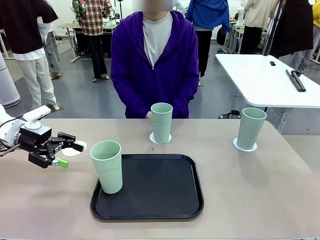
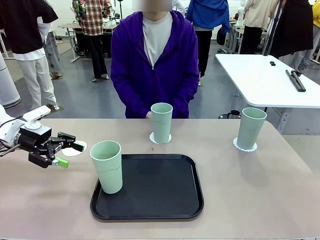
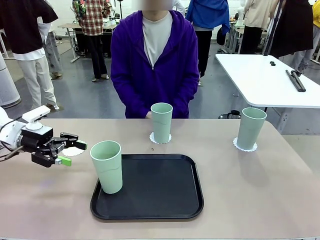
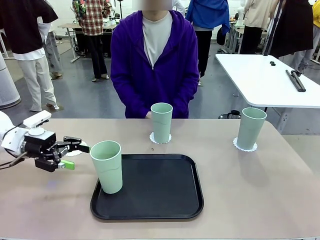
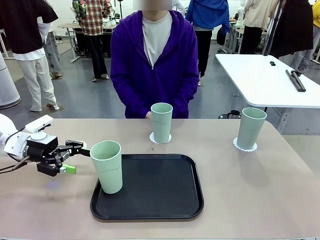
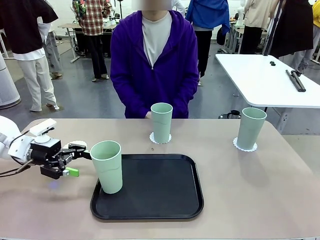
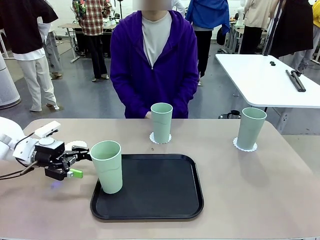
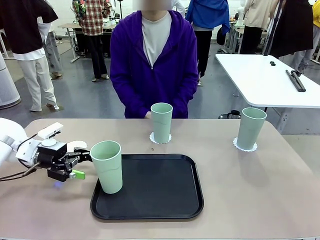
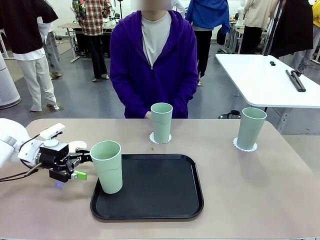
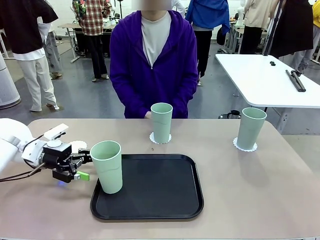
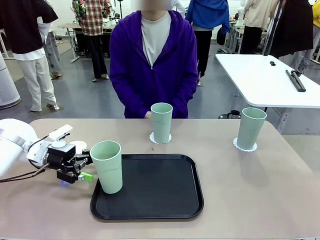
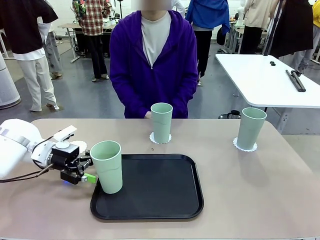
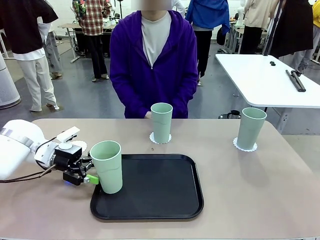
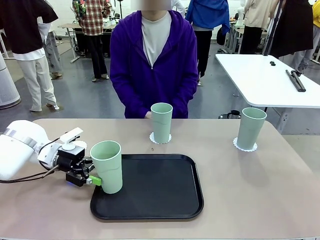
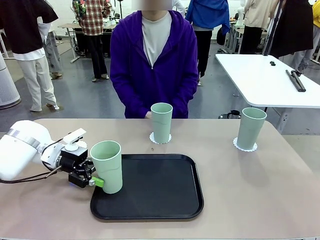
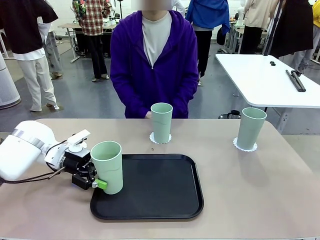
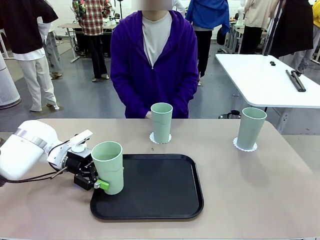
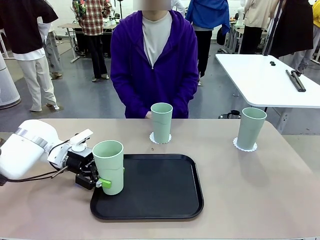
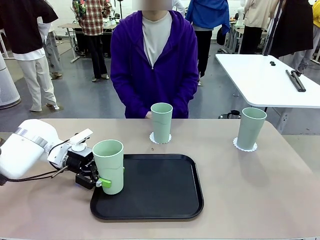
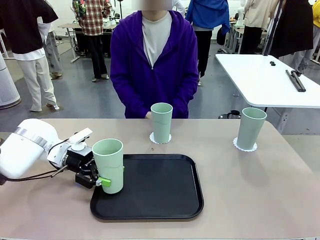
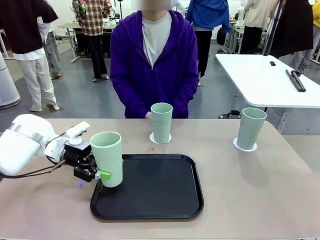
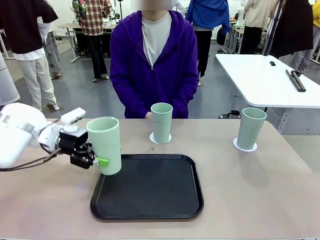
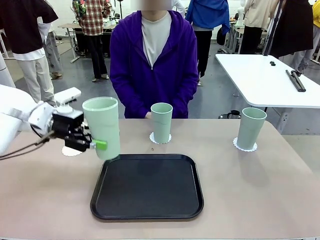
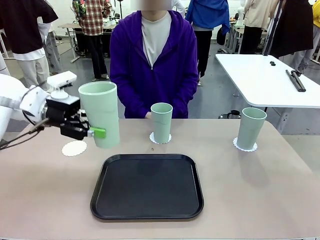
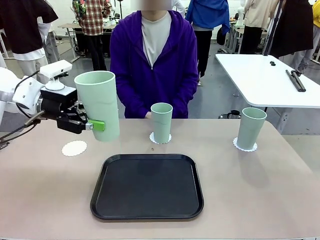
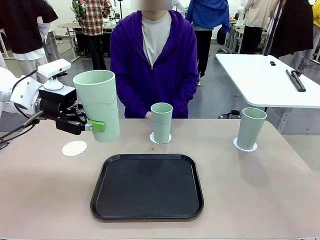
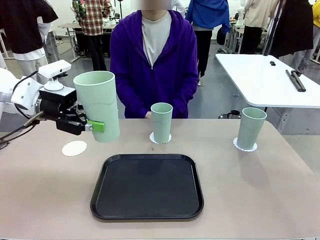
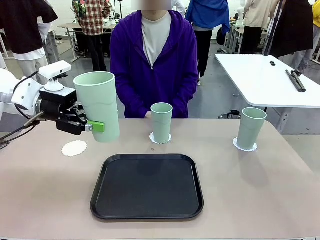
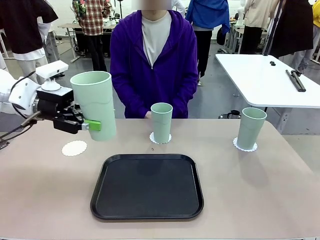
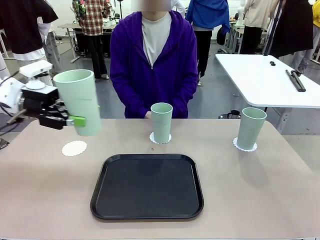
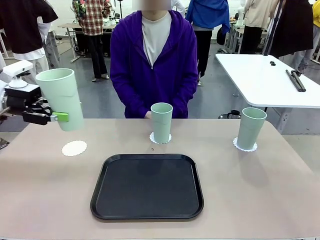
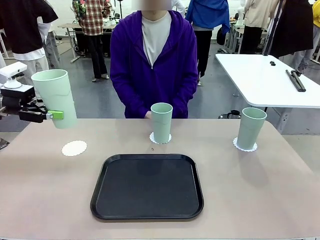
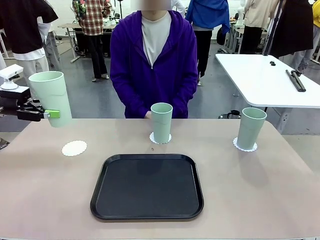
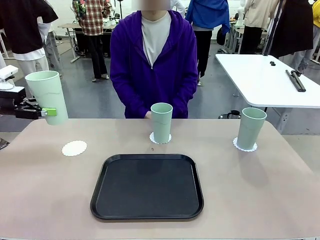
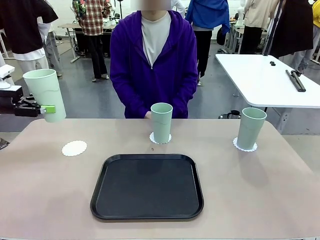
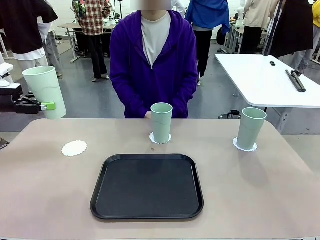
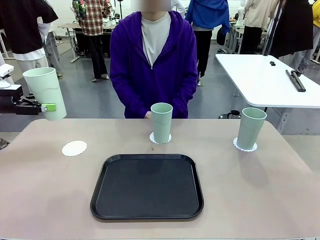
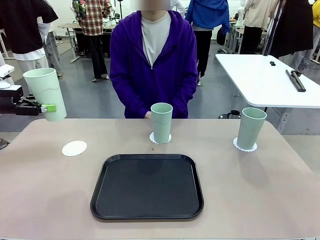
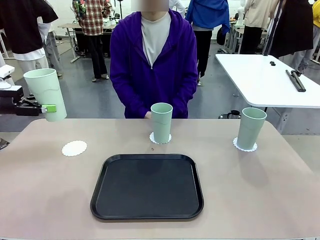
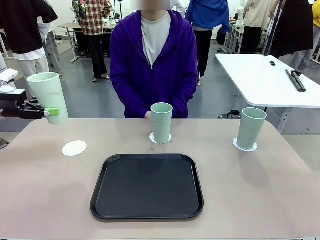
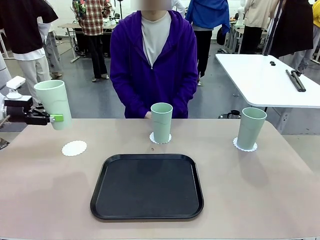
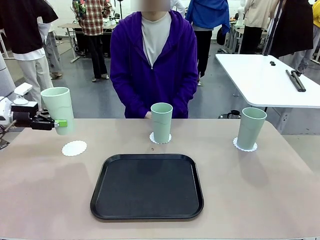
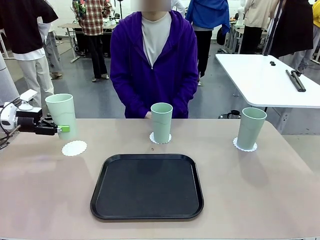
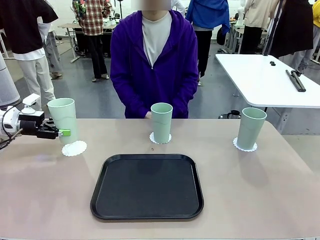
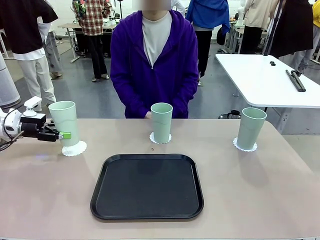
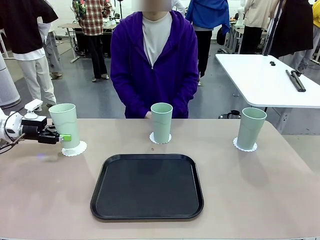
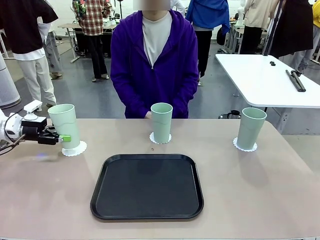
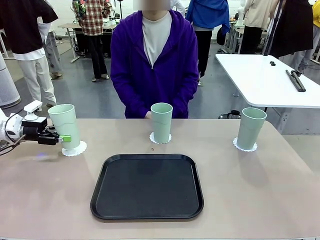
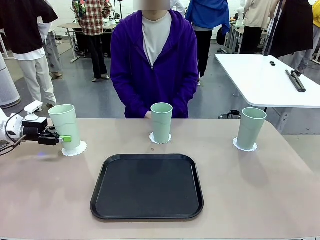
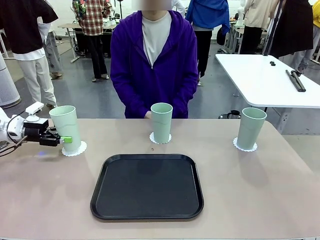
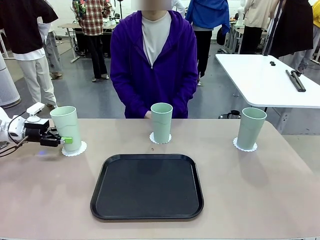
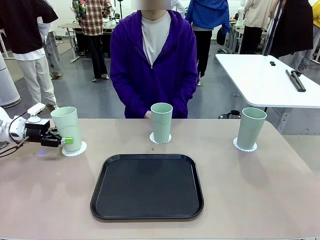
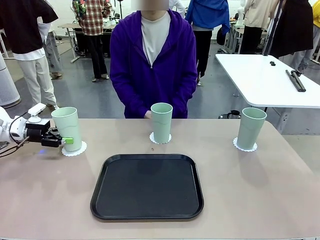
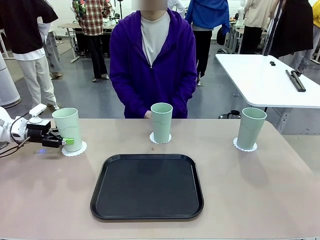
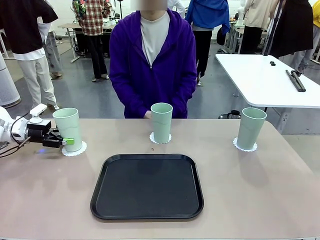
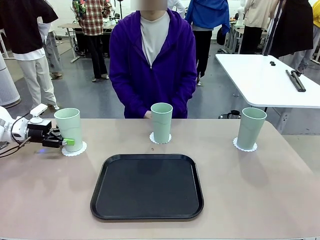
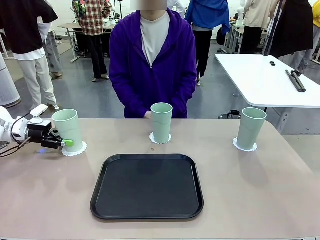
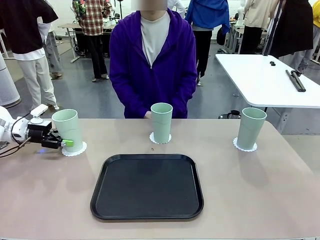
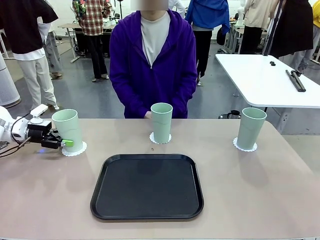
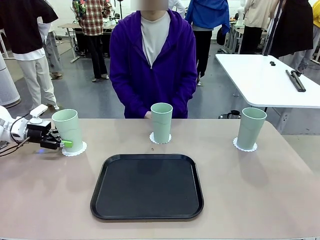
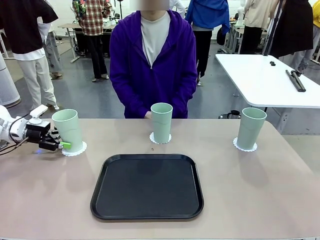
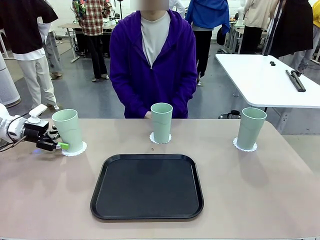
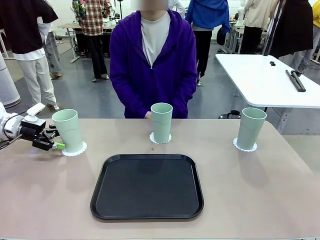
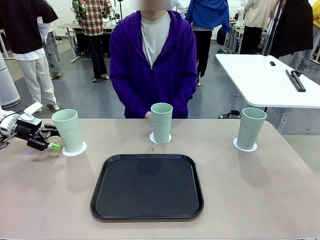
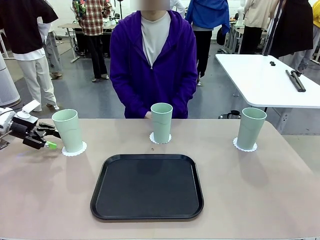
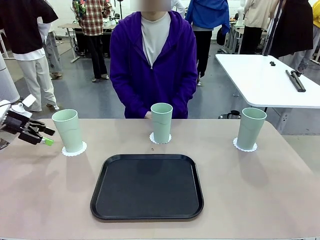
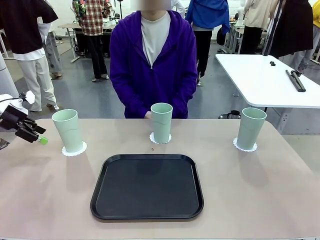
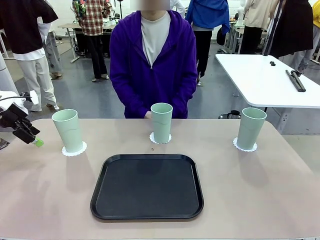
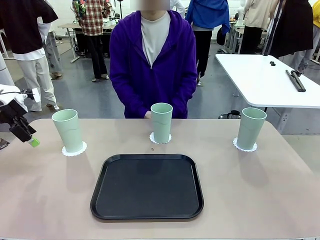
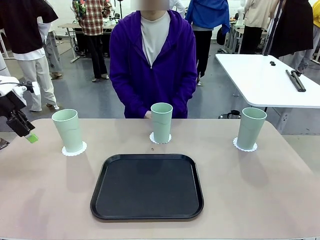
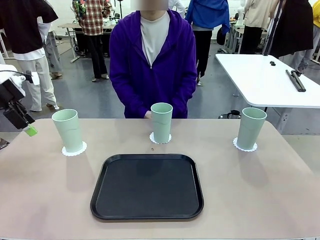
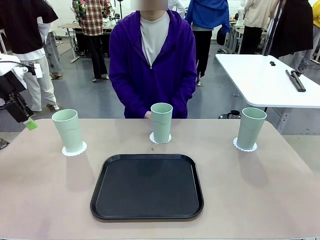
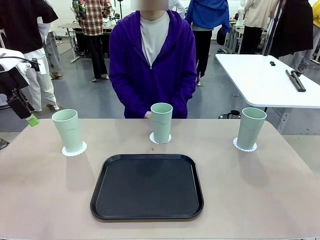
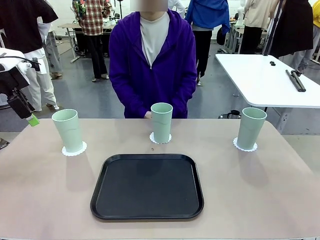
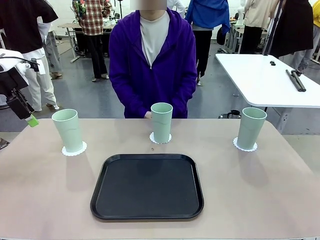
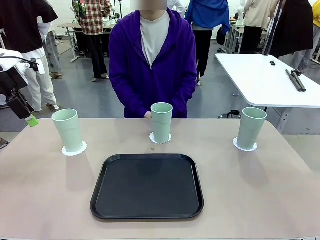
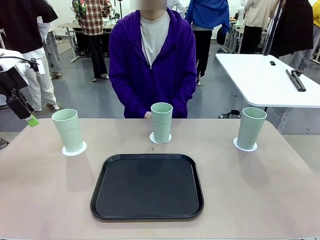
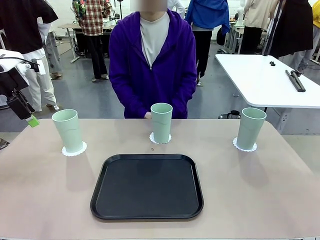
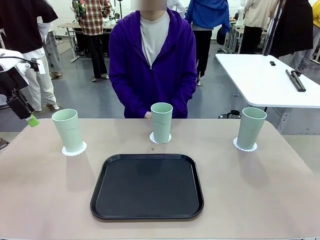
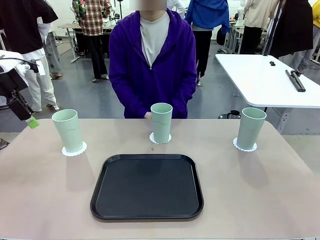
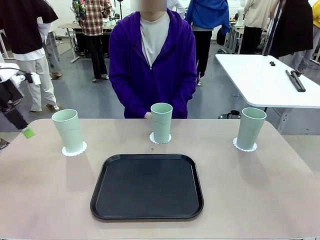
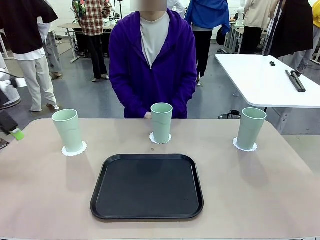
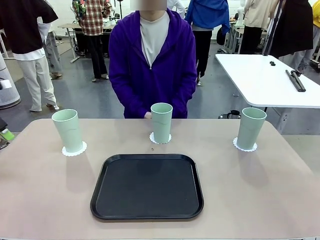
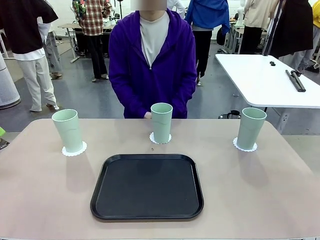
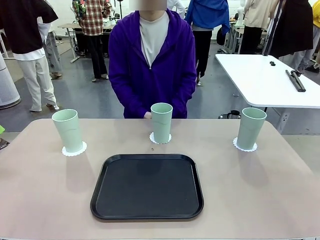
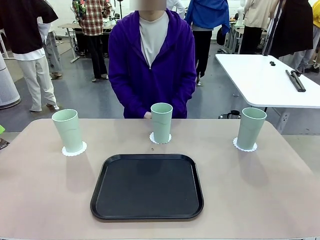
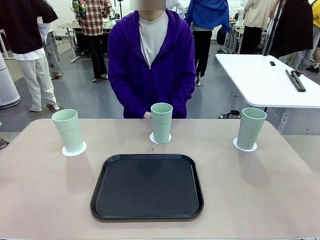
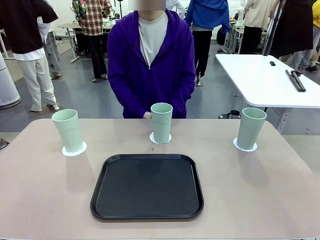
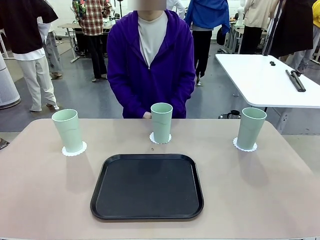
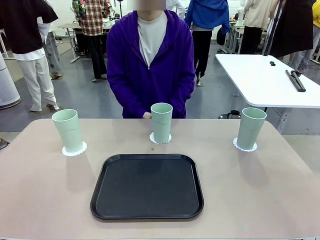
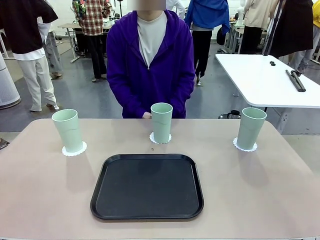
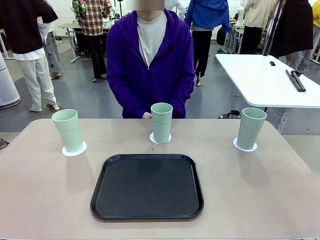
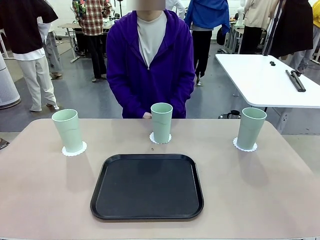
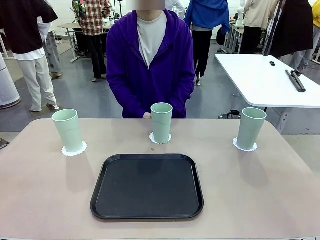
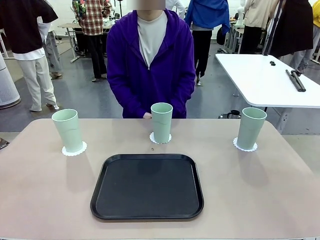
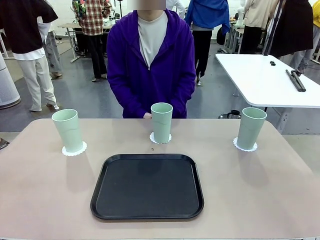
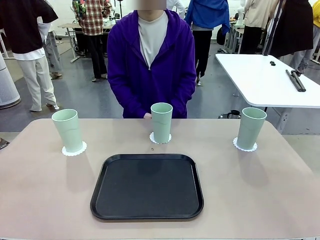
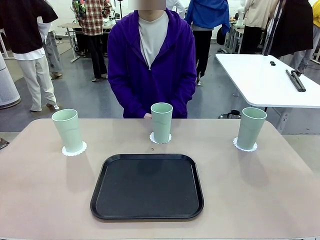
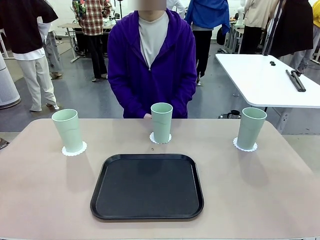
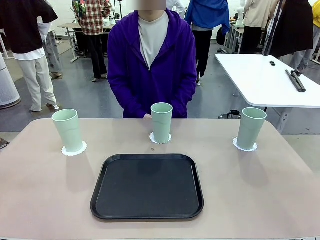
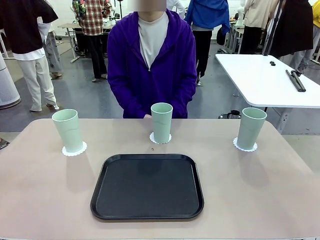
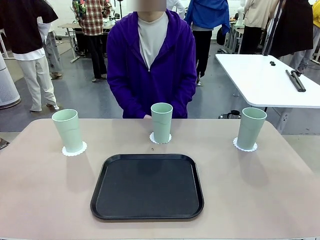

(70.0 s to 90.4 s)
Task: Place coasters on the table and set cups on them.
Robot: Take one Reusable plastic cup from the Flat Tray and place it on a coaster set by the human.
